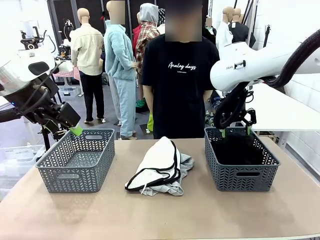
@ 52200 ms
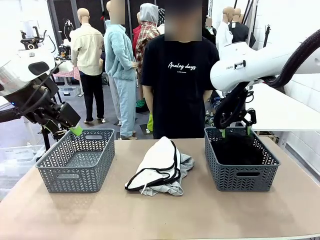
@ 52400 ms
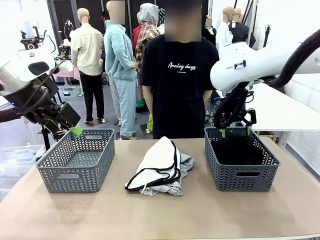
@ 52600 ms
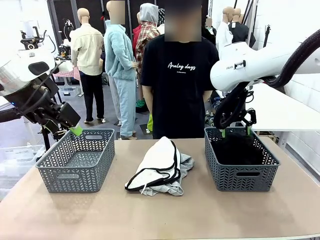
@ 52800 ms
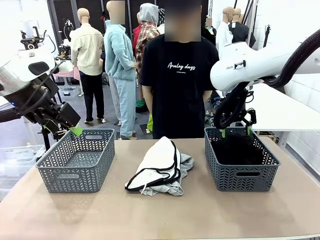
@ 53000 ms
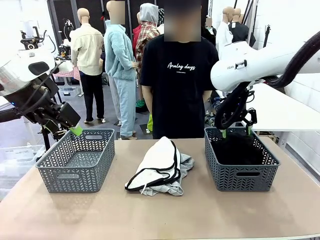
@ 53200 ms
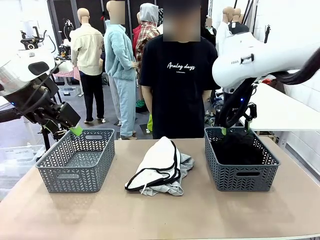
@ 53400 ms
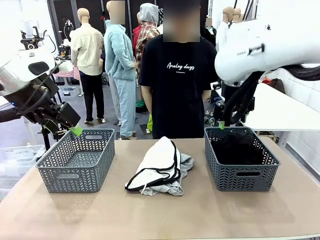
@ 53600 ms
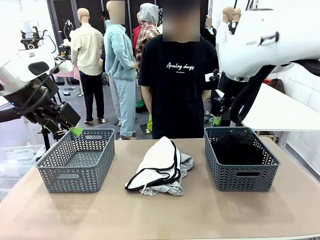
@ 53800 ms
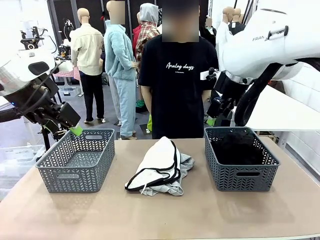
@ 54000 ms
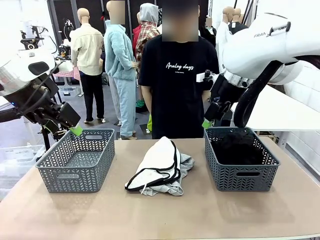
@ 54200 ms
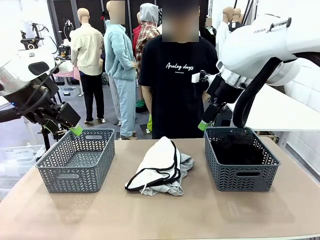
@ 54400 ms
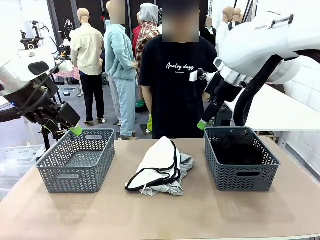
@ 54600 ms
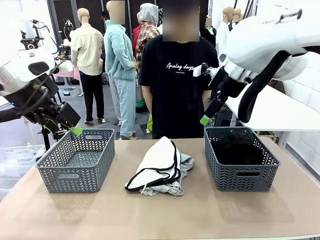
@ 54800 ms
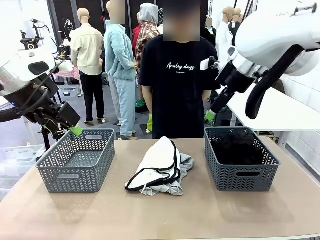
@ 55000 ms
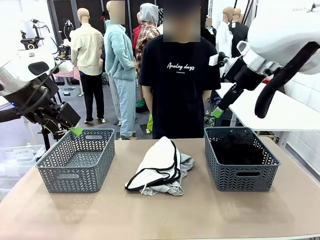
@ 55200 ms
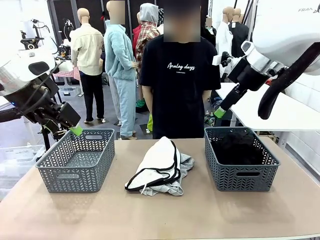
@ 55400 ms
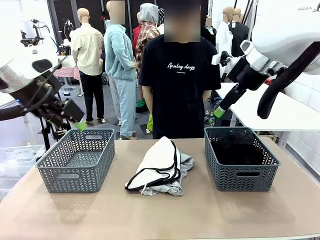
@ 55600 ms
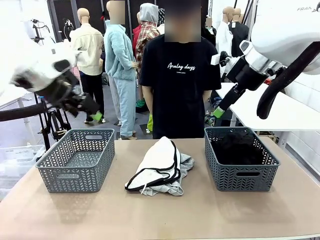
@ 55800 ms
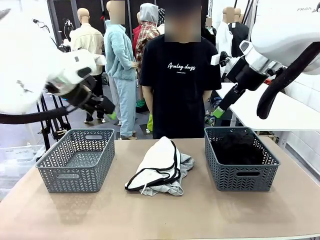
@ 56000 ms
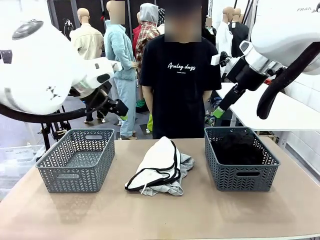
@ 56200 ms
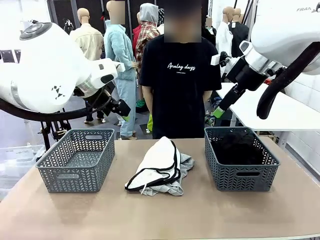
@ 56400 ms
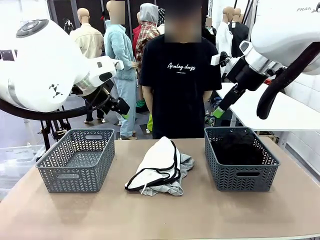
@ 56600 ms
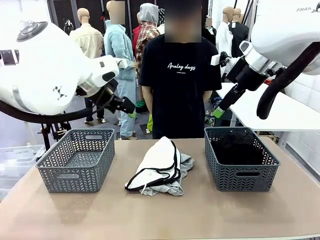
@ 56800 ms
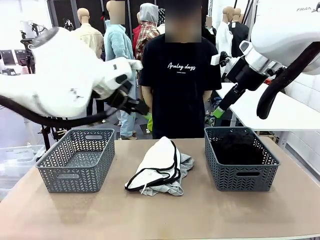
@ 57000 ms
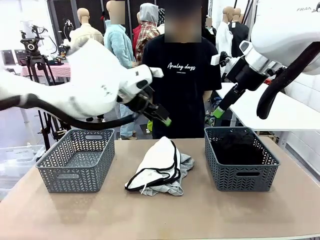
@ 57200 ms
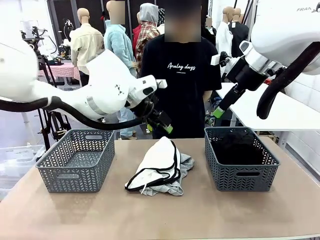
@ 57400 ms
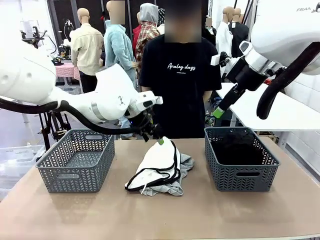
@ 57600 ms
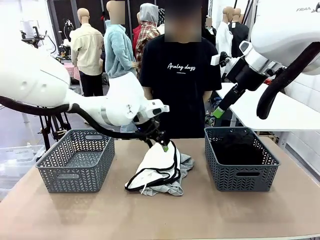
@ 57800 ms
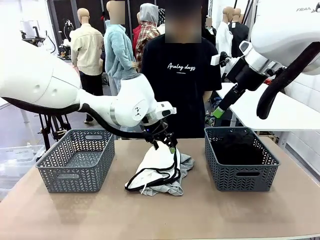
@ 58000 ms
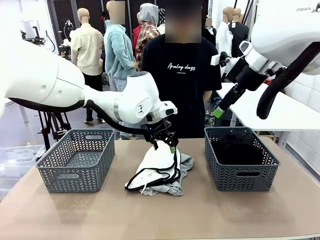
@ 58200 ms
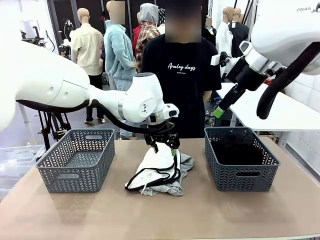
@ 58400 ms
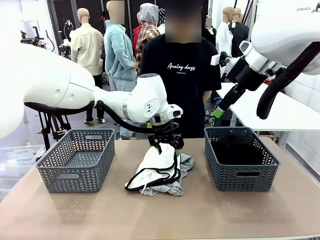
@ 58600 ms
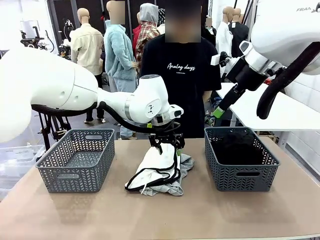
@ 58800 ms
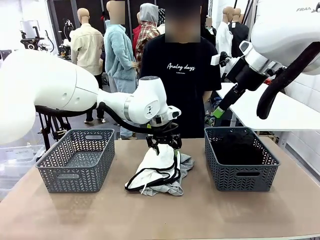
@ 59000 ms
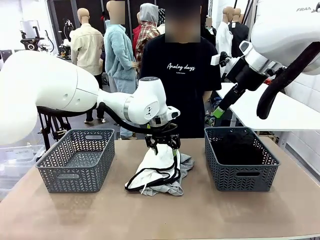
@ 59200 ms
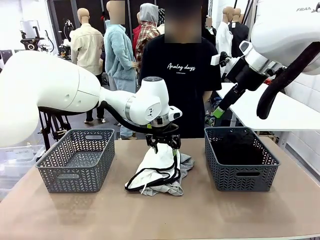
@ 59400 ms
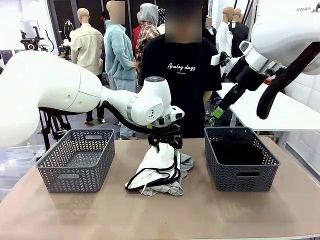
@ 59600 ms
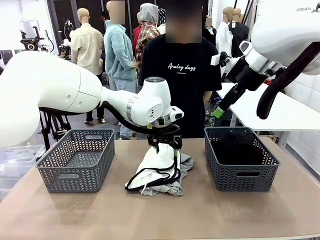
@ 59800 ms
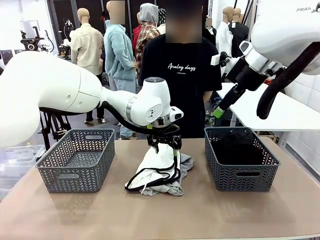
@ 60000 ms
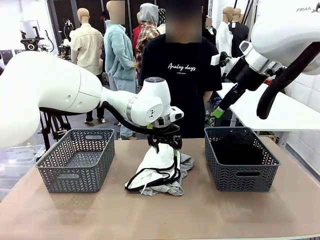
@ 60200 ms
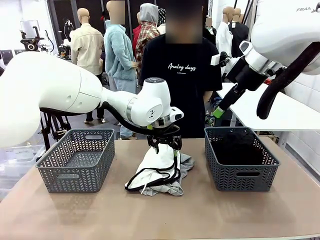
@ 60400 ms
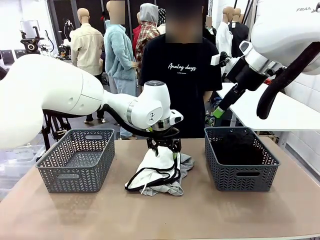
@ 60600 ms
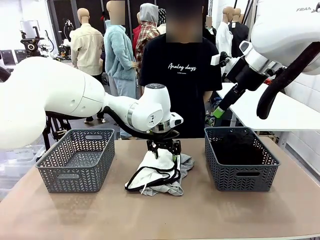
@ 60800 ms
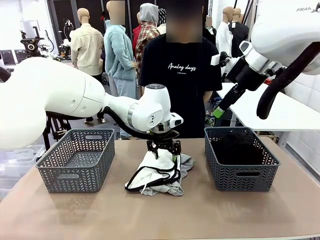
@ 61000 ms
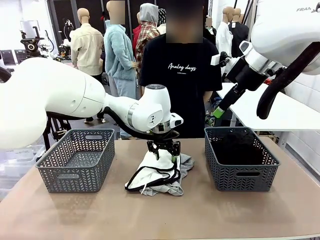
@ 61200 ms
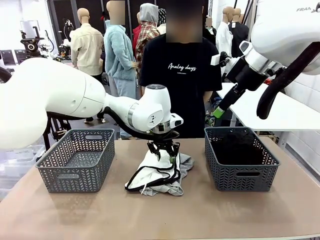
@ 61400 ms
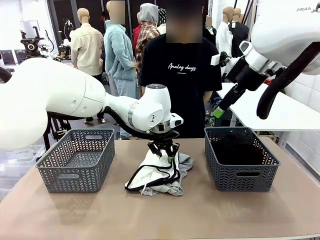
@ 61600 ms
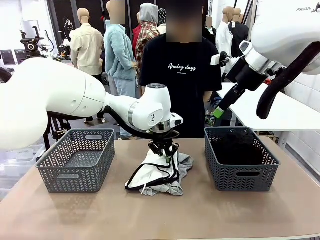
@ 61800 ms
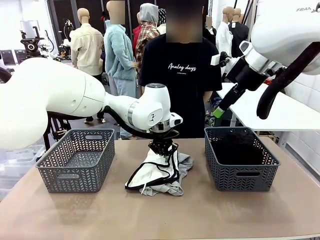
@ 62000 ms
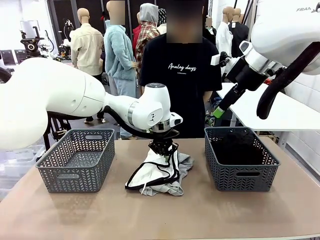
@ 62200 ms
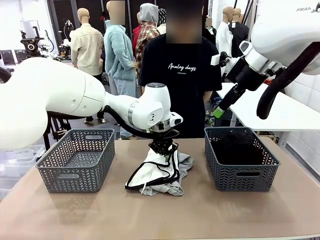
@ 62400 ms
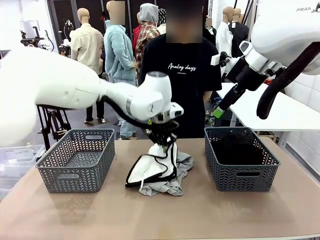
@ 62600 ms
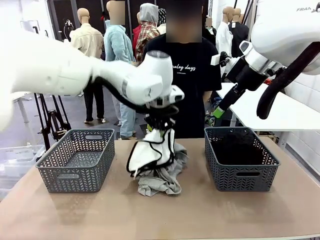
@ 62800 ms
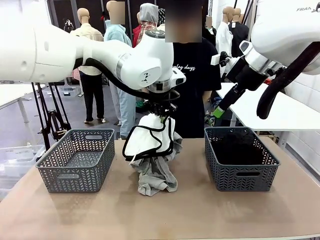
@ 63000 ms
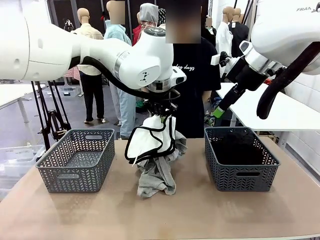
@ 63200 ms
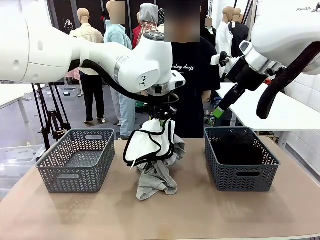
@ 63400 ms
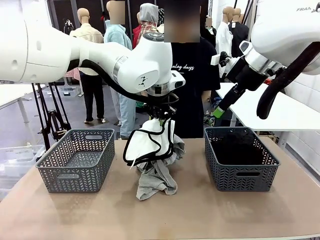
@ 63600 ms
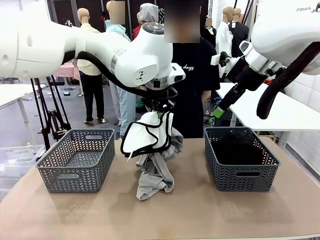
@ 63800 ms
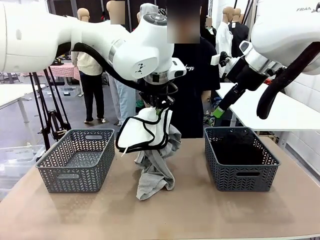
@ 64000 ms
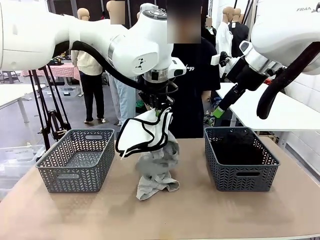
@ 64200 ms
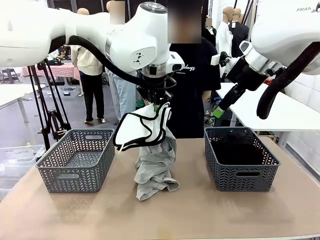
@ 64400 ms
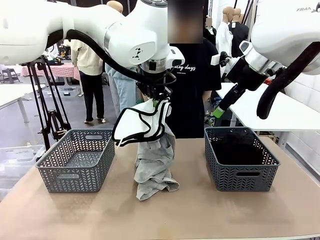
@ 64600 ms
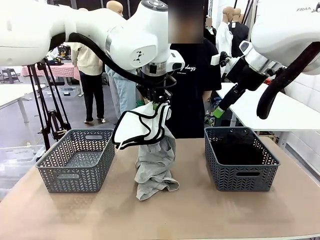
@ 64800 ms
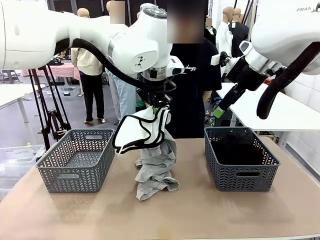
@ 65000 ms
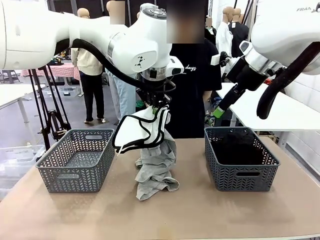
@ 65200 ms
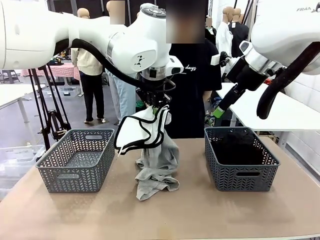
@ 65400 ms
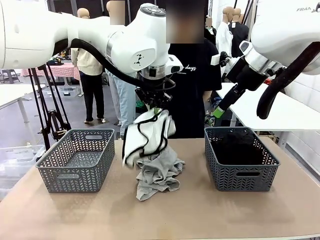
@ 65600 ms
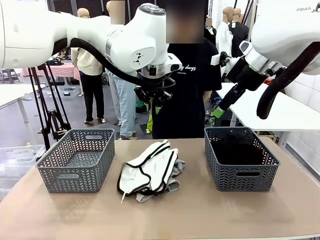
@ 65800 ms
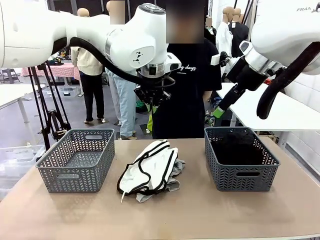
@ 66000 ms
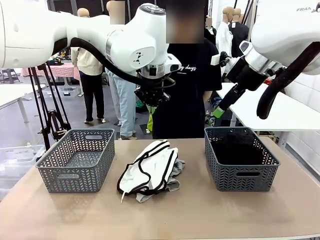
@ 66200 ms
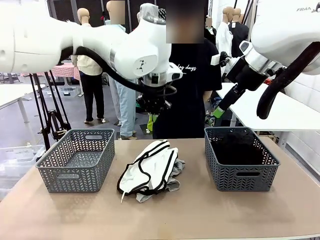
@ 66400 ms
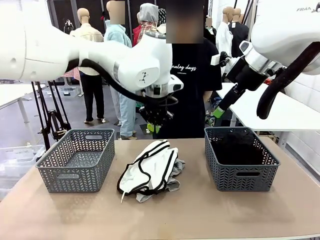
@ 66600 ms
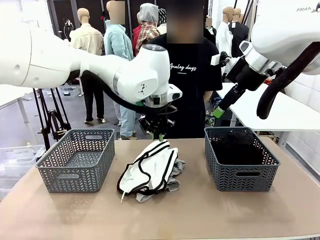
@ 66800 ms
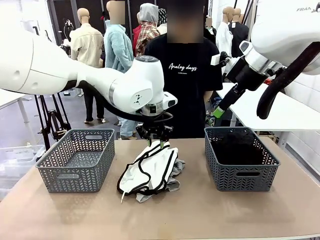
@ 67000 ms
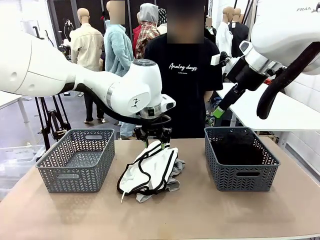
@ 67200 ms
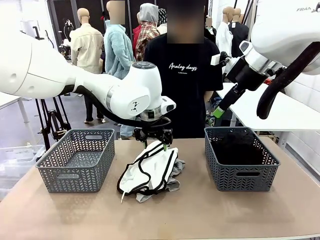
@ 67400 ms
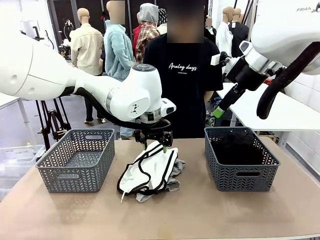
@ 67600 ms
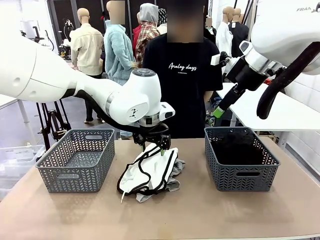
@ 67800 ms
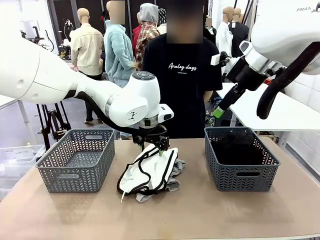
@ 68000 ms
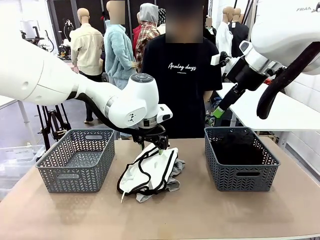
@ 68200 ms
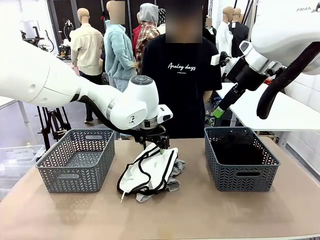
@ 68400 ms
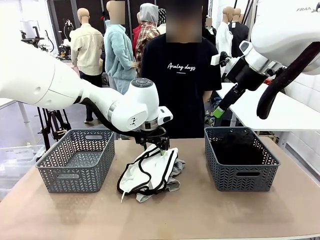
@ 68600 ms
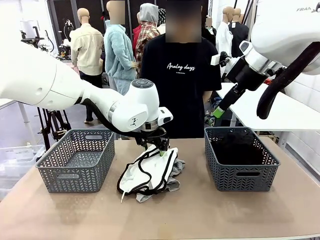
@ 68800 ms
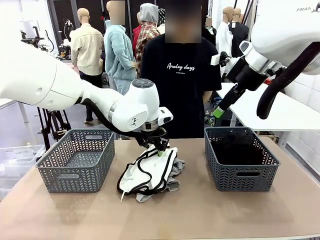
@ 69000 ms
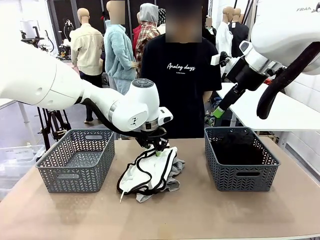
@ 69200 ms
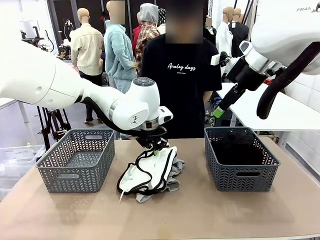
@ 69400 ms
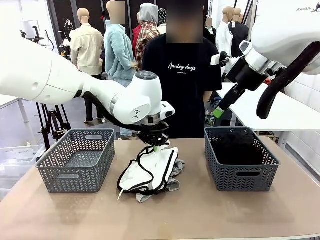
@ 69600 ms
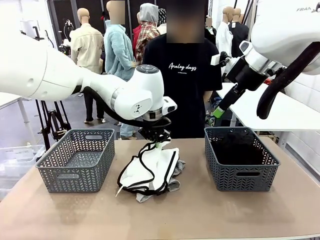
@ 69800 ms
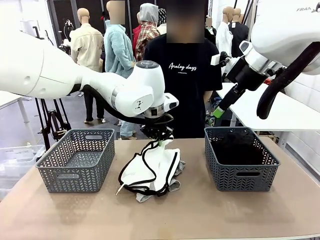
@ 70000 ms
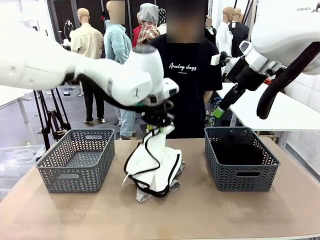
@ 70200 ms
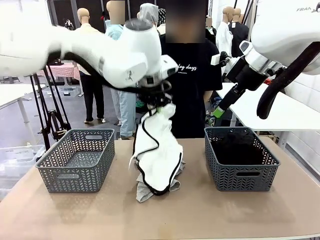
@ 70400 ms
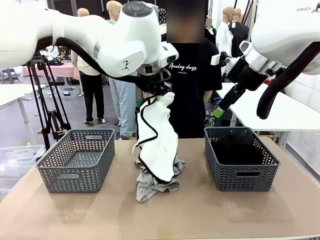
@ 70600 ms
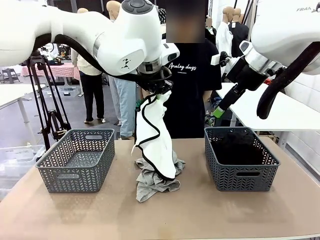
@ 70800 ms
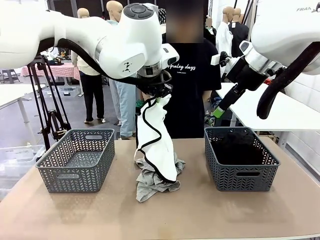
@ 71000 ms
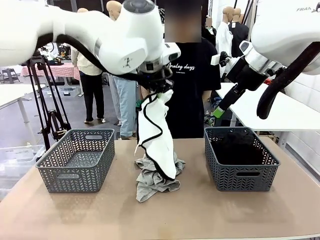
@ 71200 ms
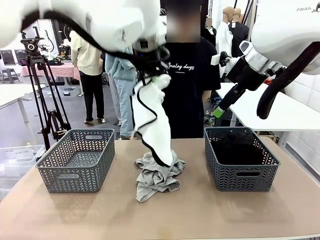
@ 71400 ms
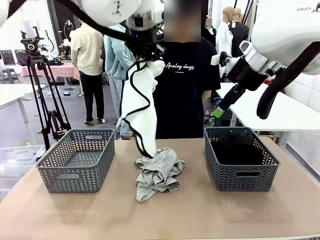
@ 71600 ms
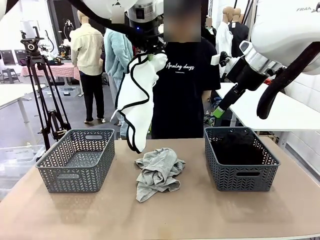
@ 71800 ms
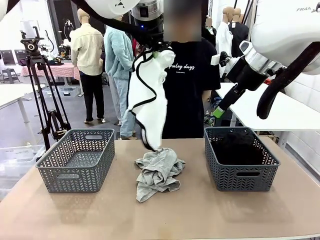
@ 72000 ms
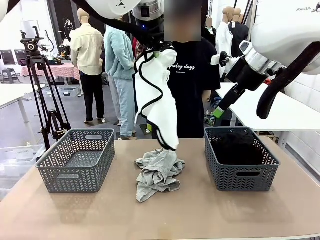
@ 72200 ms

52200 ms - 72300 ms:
Task: Sort the tops and bottoms.
Robot: Lift clothes from the center of the table with your left hand.
